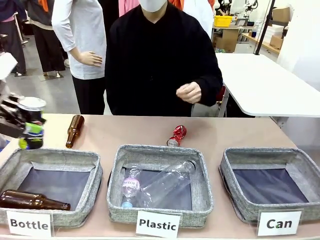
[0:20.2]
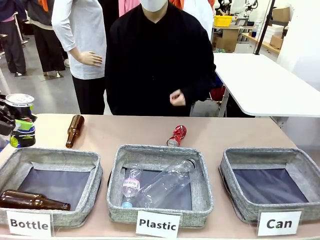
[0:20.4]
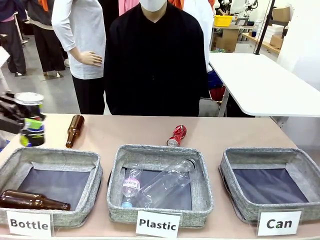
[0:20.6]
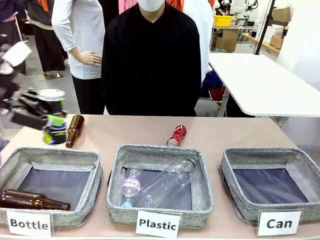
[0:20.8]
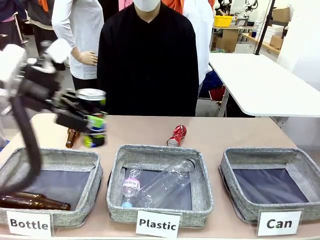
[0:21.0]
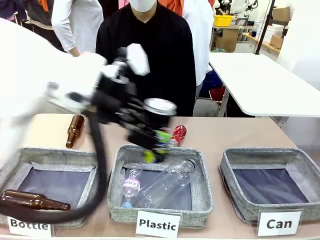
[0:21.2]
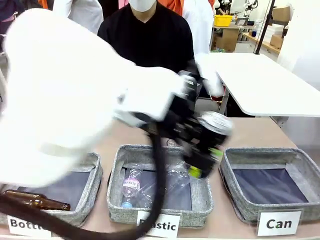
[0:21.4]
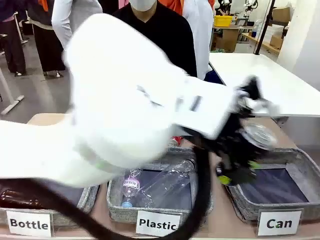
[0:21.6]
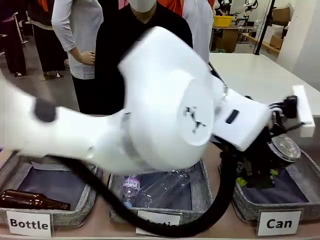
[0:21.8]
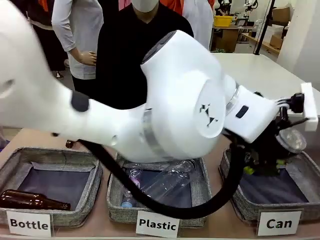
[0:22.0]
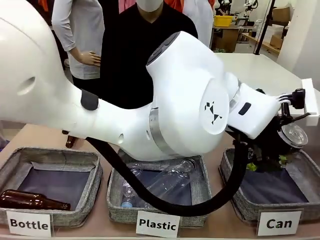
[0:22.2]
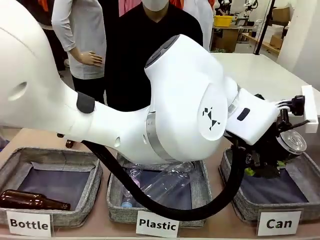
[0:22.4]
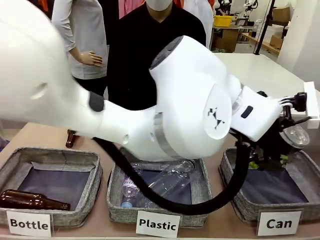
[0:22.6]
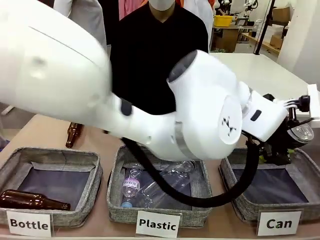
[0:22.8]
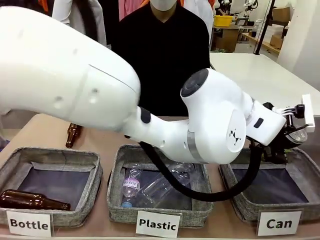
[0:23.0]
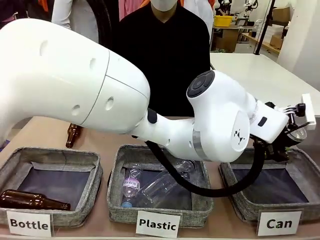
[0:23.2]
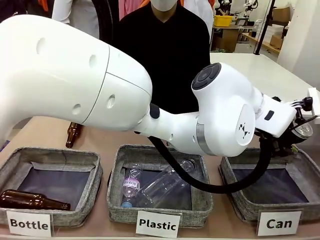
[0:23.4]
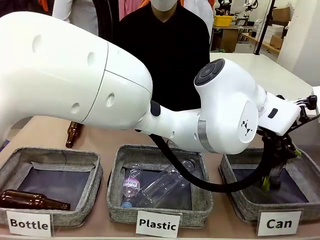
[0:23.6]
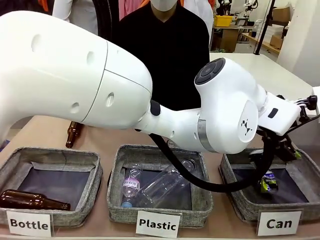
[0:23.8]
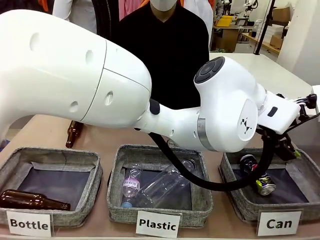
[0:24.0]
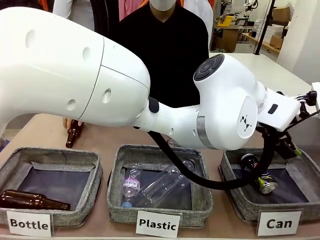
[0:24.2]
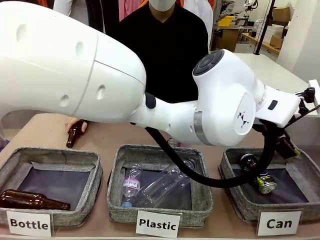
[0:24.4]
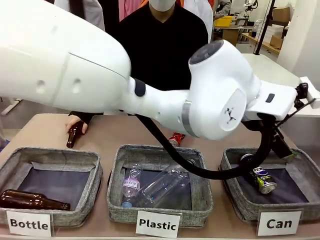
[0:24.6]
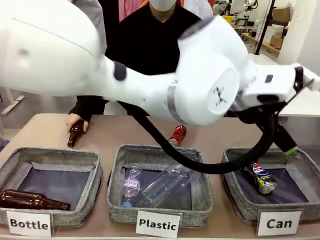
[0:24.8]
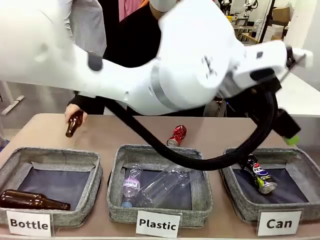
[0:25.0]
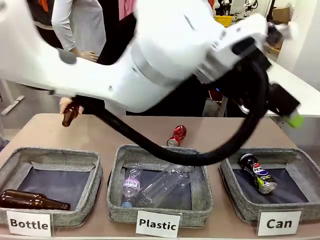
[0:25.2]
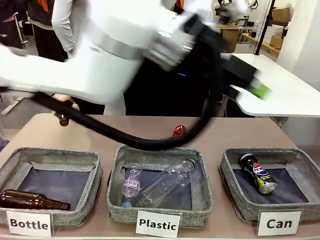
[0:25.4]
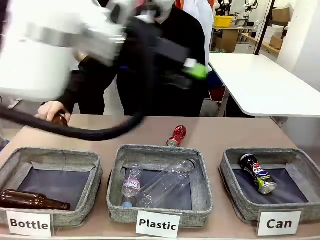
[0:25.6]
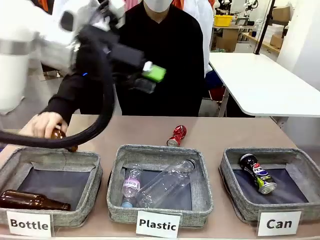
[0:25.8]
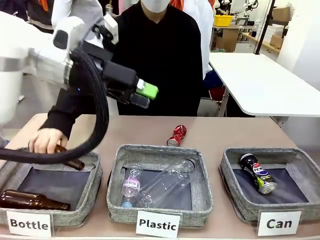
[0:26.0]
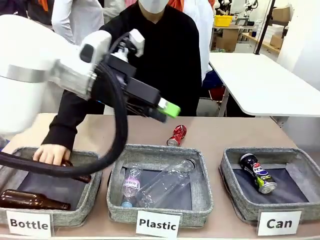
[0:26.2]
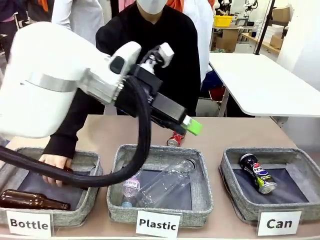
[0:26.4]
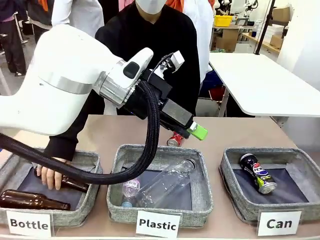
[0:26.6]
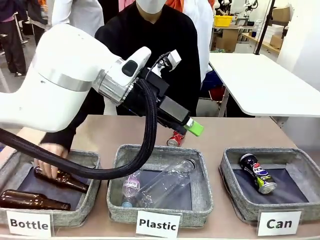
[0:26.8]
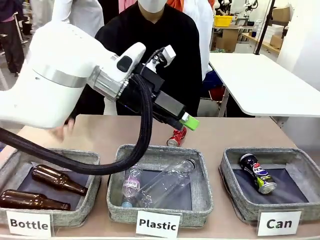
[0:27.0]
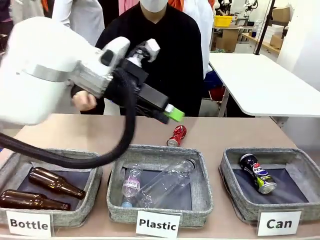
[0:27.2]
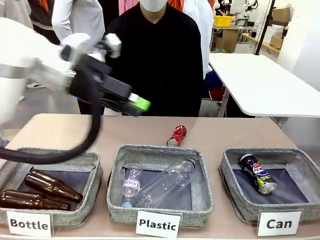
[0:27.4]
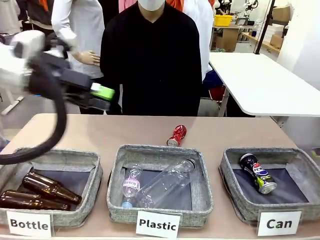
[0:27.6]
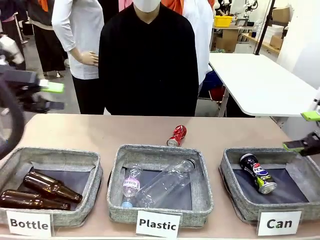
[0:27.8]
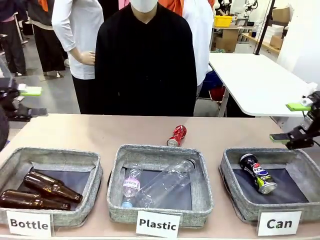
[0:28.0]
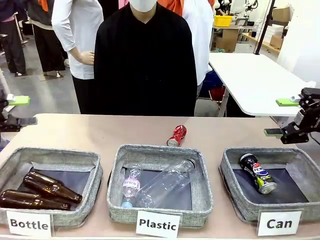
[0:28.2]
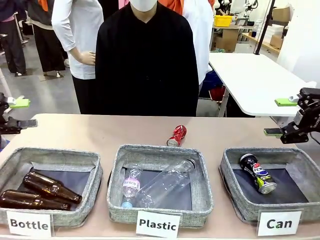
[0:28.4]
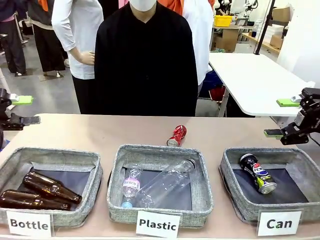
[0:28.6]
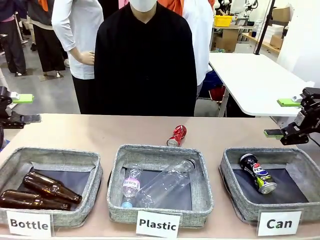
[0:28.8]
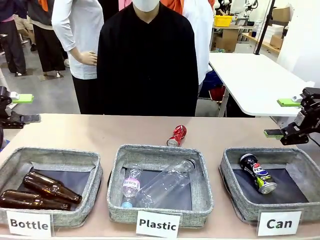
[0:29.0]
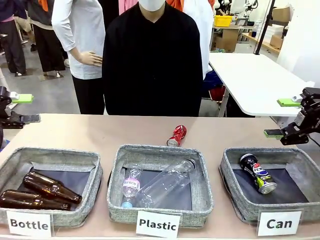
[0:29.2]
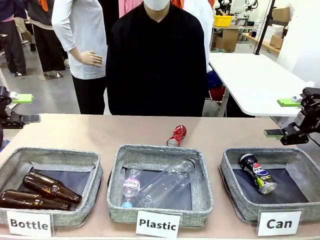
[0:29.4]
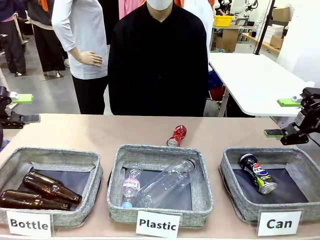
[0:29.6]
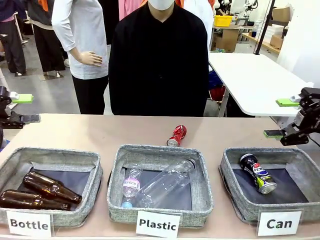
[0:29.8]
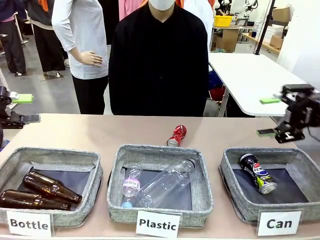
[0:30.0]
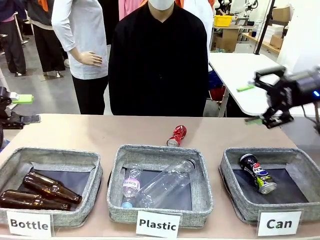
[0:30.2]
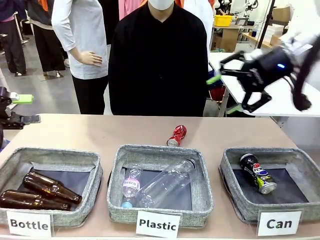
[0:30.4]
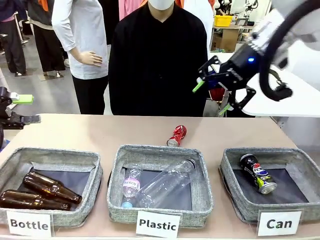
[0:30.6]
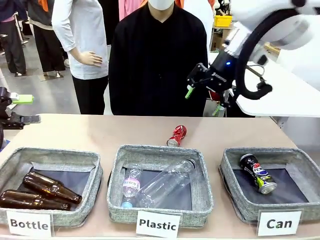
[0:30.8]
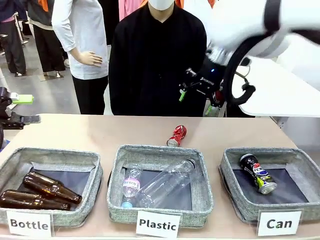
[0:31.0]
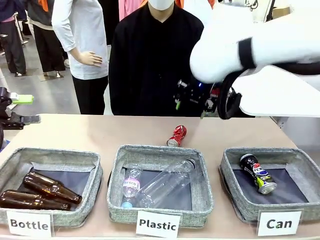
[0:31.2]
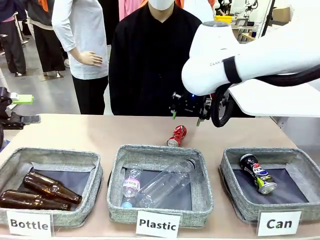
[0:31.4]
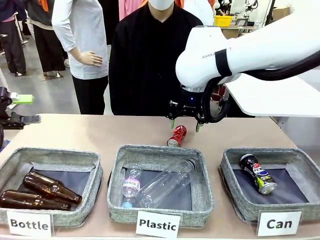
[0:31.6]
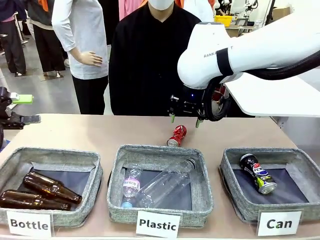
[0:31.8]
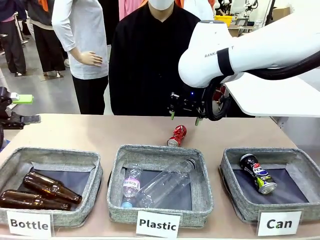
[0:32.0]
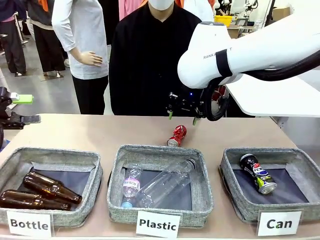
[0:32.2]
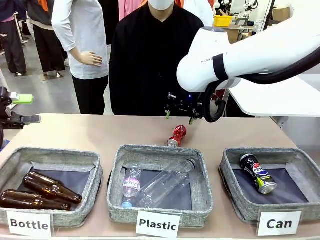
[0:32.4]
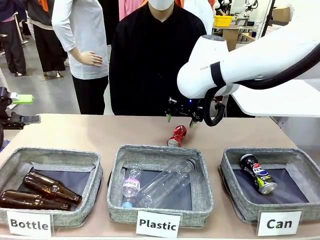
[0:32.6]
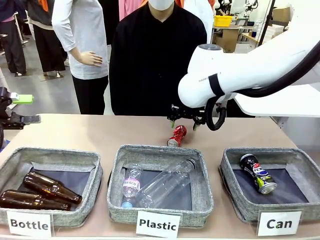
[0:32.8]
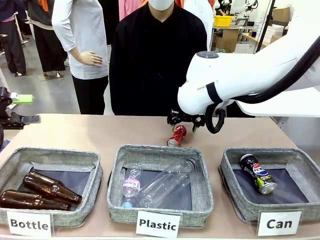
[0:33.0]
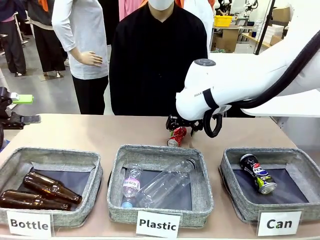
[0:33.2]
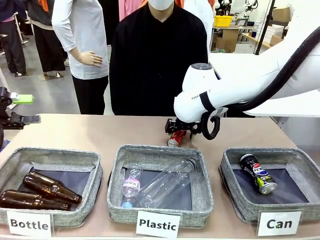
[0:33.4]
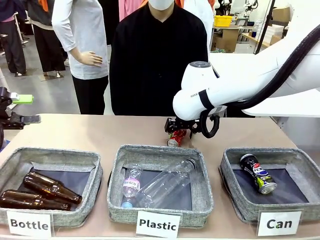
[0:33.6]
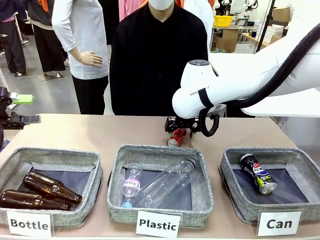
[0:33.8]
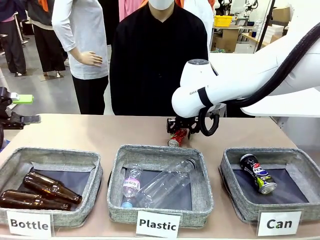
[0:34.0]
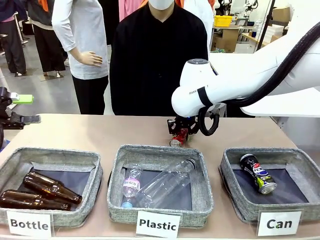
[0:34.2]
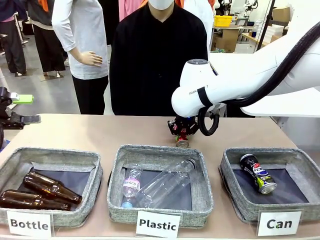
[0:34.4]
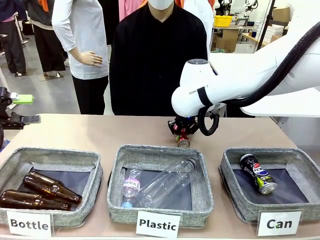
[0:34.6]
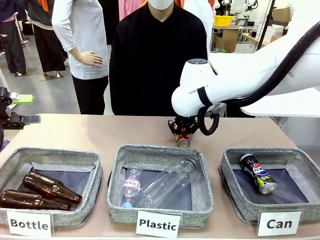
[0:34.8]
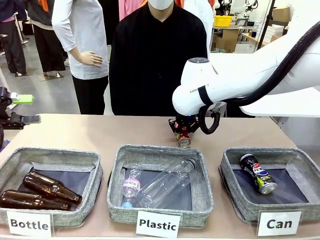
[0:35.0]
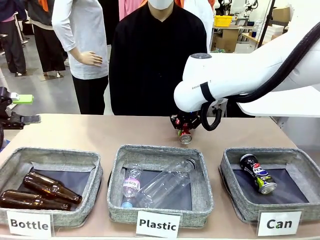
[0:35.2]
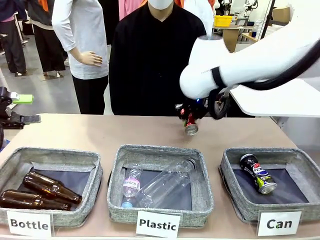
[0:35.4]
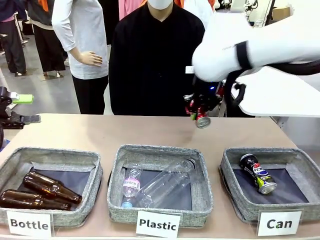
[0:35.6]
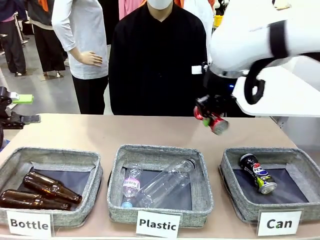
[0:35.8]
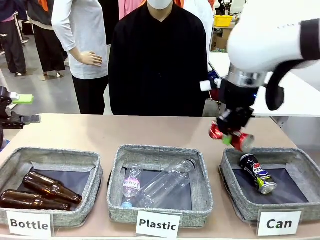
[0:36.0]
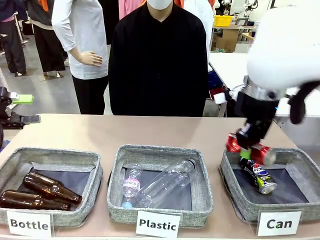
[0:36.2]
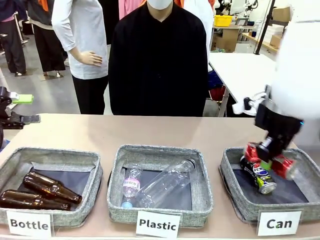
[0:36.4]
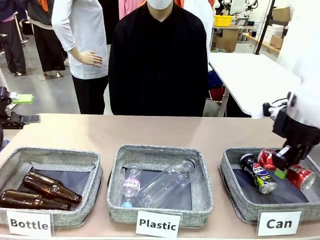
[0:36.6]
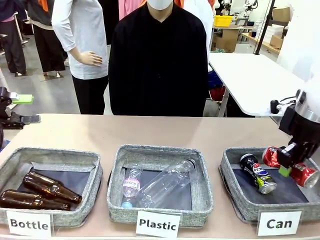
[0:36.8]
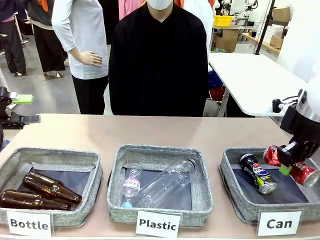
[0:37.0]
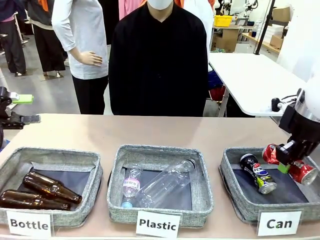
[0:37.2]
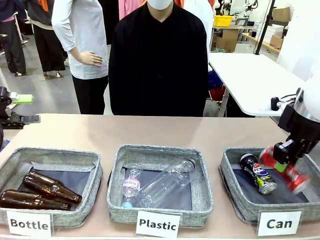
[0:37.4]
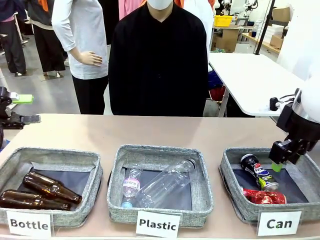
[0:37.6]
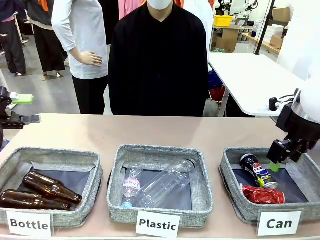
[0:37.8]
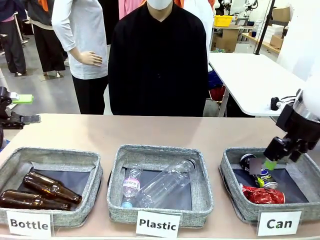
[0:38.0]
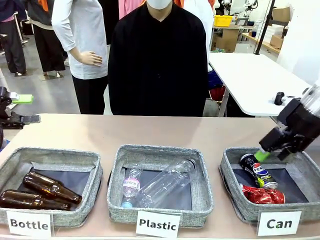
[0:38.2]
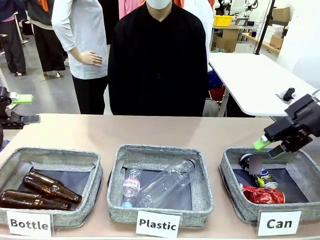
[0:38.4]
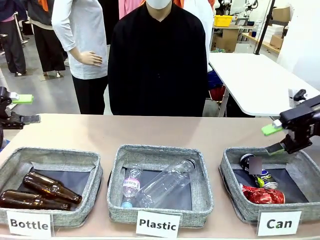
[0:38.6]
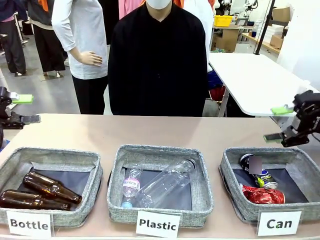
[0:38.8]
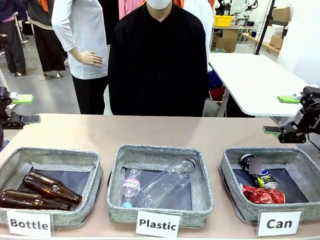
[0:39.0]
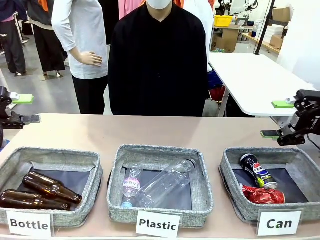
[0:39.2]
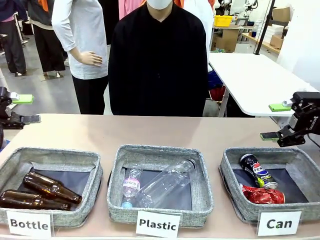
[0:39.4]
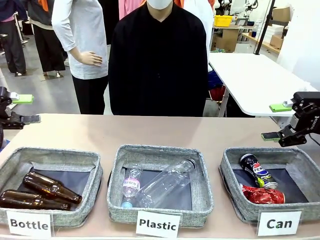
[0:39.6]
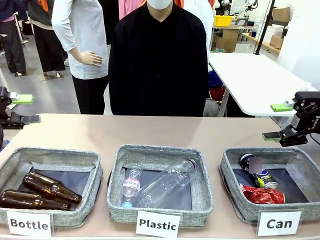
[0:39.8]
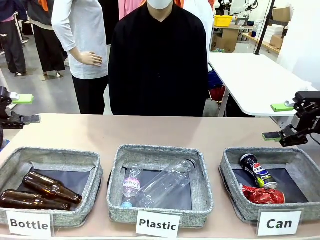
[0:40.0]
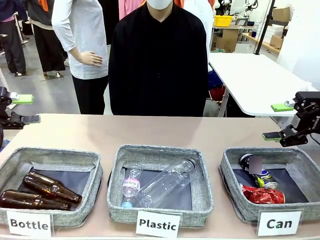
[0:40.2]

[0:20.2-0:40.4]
Task: Sort the can waste into the basket.
Robot: Pick up the can waste from the table and place it in the right Fabric basket.
